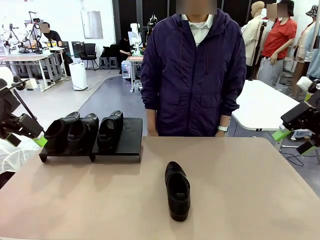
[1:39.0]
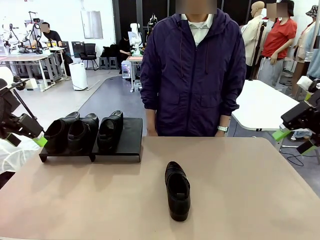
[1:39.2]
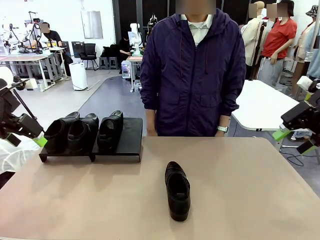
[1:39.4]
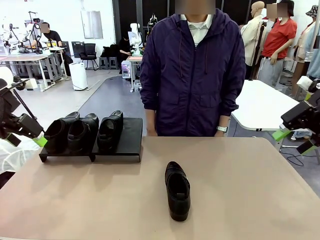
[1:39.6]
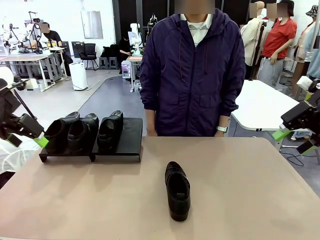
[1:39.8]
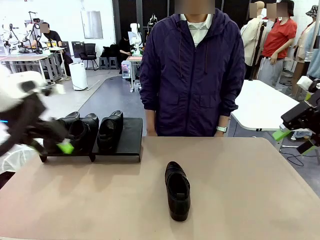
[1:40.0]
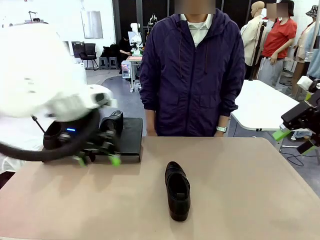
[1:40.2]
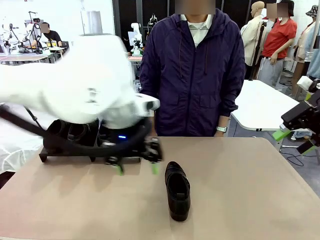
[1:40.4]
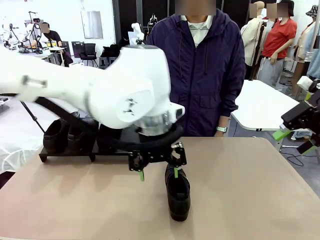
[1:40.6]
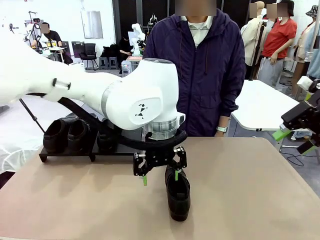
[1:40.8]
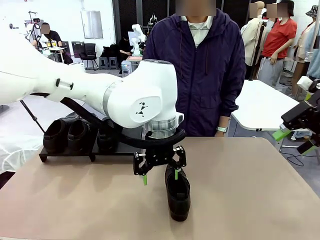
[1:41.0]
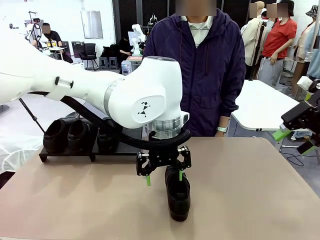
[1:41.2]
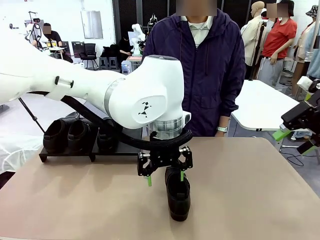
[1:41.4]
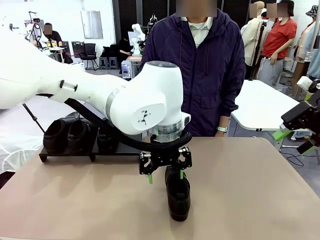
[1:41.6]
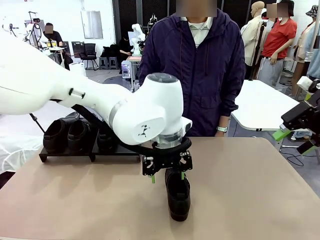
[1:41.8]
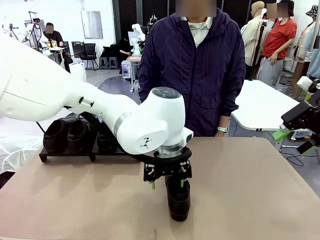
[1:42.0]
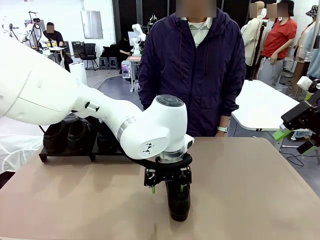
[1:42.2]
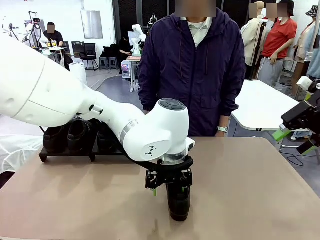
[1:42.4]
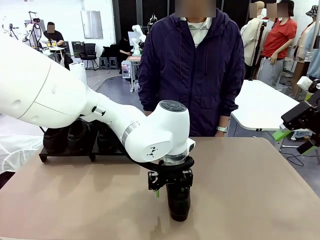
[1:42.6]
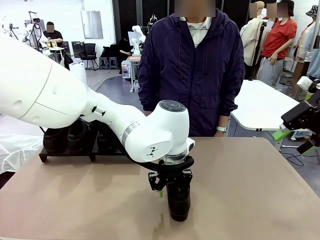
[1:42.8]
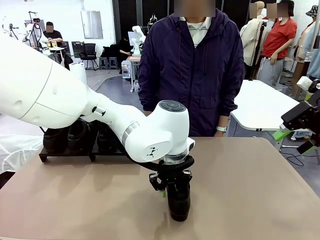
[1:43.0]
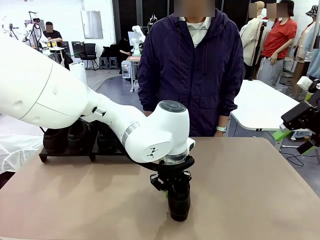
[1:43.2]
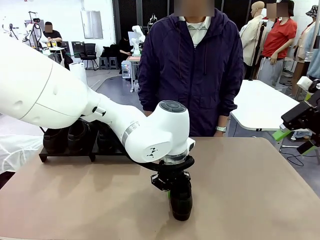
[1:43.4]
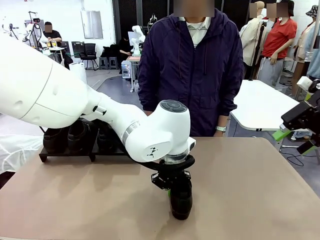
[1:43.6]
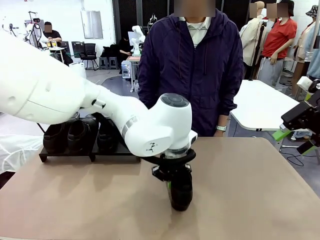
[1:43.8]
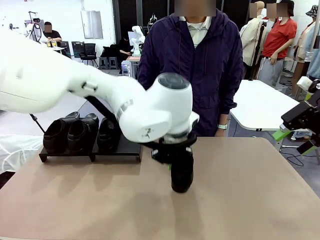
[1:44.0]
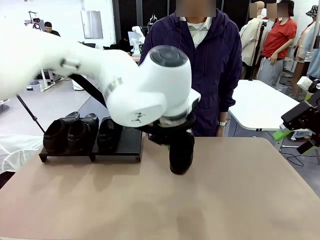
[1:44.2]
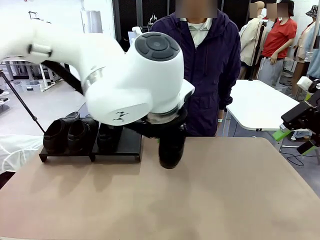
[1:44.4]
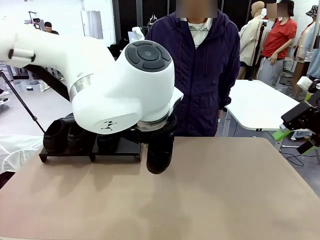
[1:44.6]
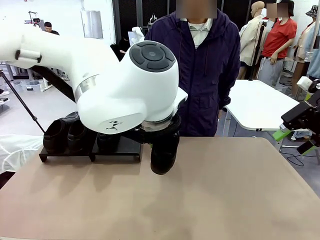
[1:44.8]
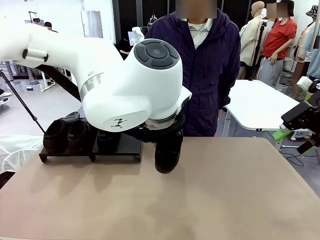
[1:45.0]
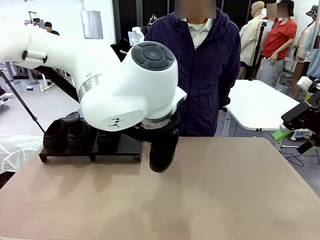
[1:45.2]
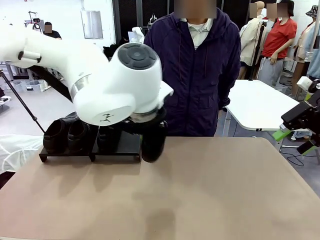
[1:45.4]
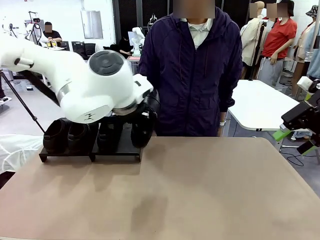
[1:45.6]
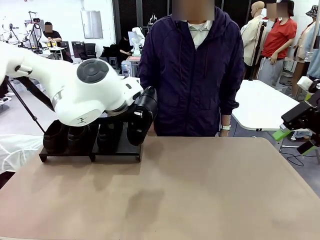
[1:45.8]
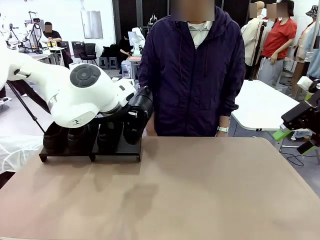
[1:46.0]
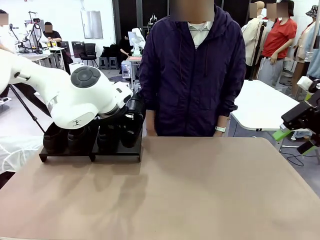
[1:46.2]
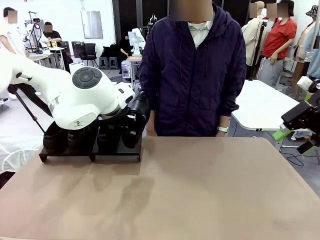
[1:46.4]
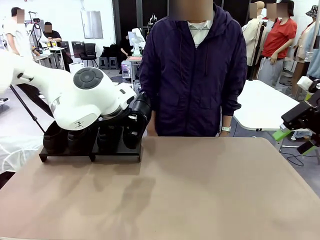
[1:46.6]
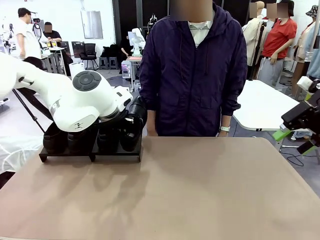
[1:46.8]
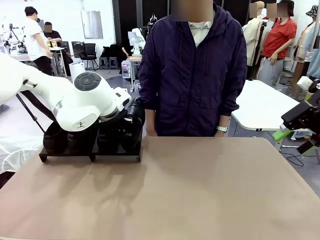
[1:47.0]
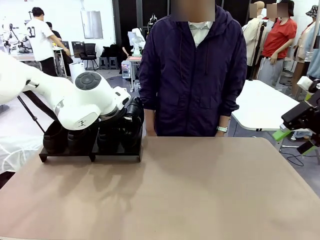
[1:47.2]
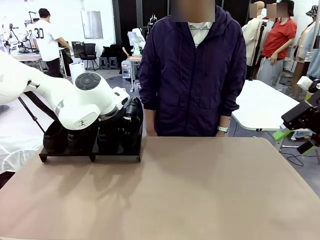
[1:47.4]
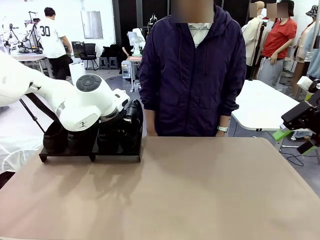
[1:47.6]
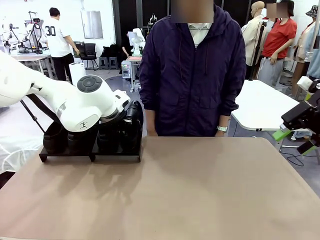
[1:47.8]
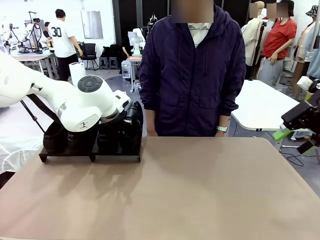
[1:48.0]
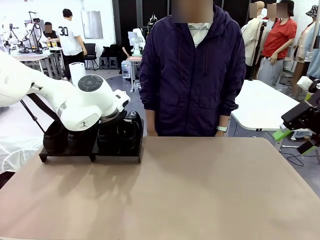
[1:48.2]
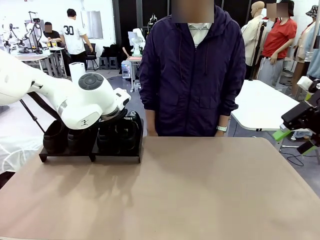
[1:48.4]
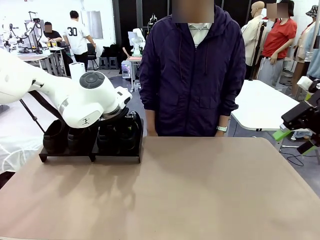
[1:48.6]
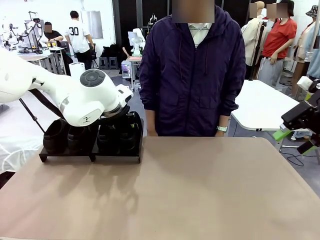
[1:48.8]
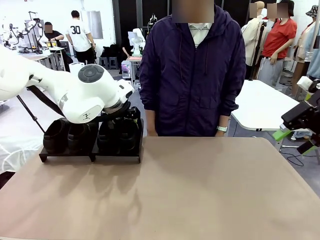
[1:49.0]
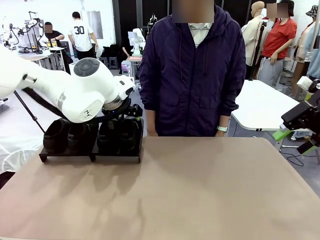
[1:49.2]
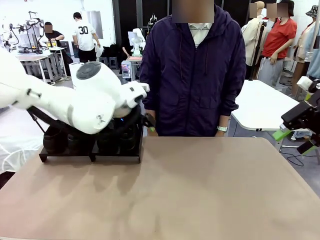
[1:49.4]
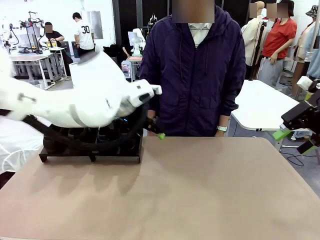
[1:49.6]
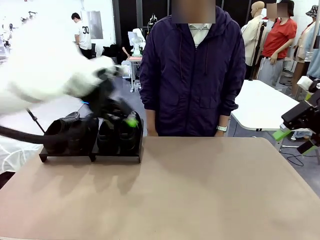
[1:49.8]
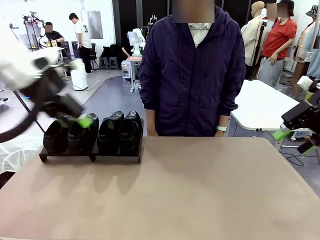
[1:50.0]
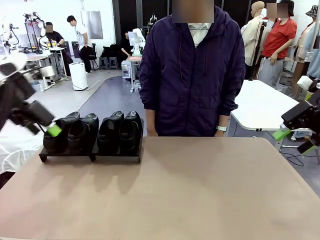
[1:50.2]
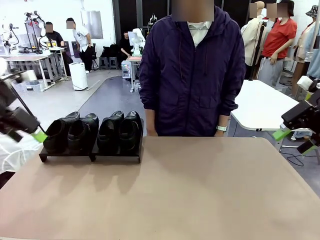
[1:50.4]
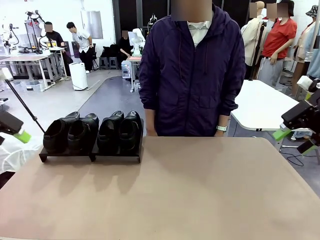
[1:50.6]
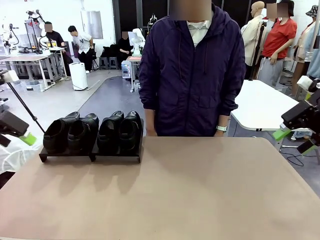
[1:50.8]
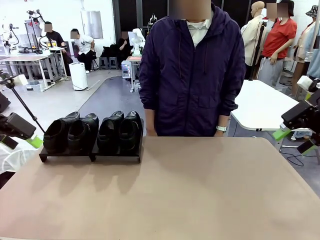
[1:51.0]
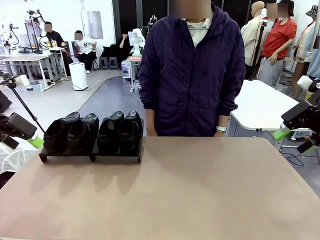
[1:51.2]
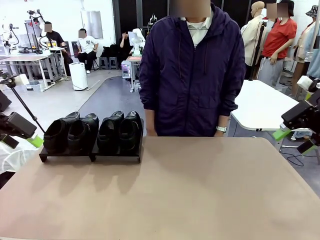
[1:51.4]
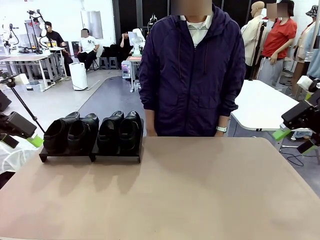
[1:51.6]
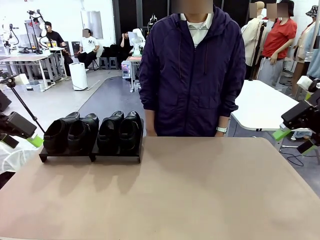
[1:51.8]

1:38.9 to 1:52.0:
Task: Organize the shoes by placing them on the stand.
Robot: Place the Shoe from the middle of the table onto the Shoes Stand.

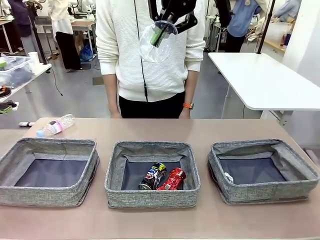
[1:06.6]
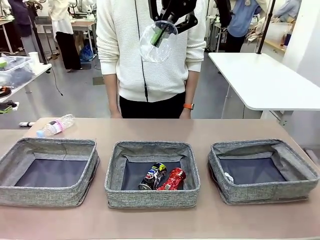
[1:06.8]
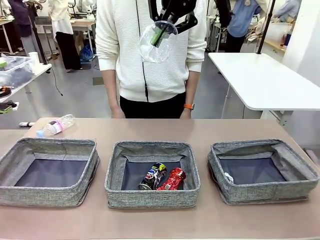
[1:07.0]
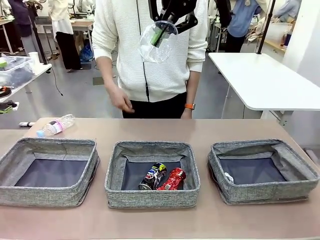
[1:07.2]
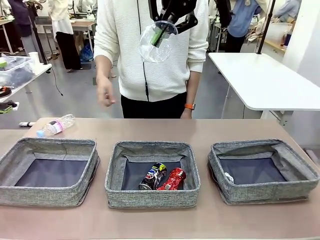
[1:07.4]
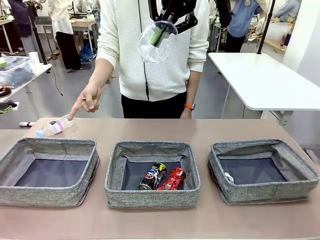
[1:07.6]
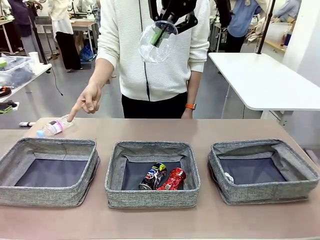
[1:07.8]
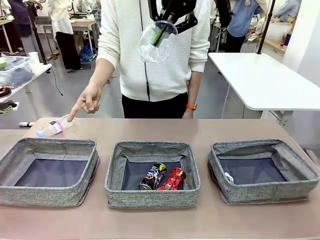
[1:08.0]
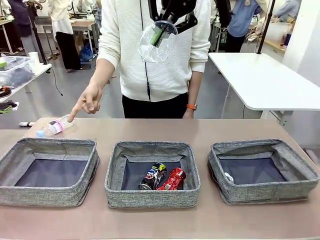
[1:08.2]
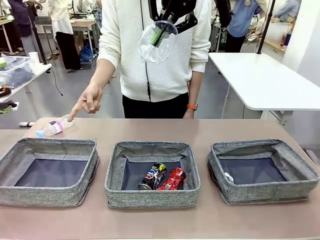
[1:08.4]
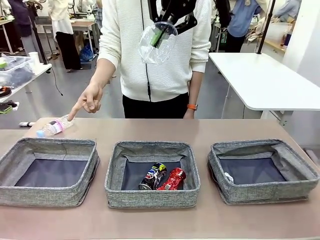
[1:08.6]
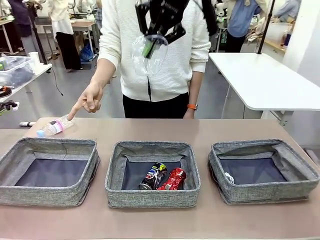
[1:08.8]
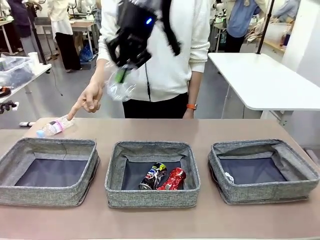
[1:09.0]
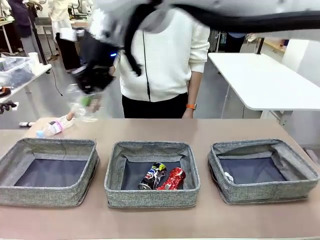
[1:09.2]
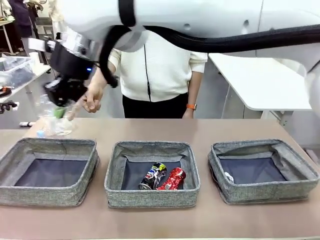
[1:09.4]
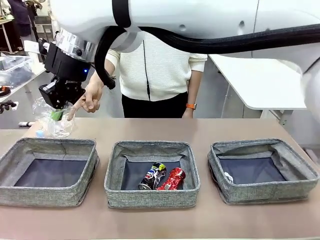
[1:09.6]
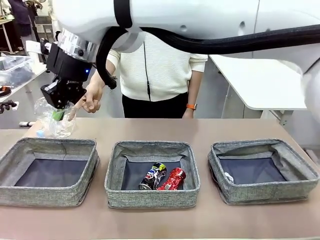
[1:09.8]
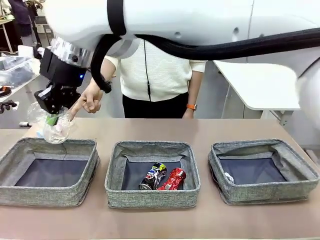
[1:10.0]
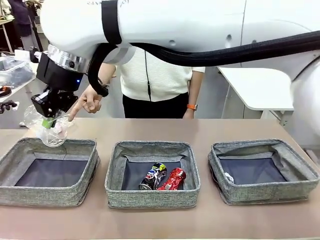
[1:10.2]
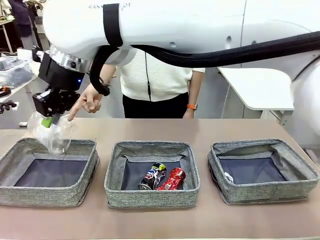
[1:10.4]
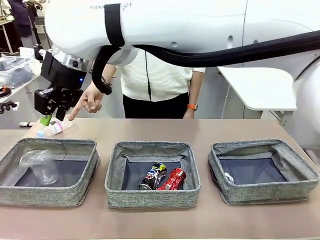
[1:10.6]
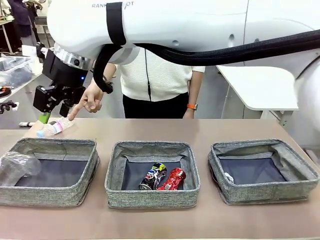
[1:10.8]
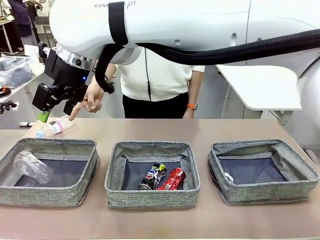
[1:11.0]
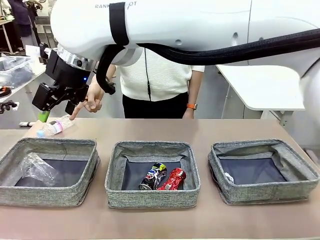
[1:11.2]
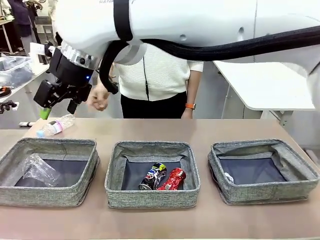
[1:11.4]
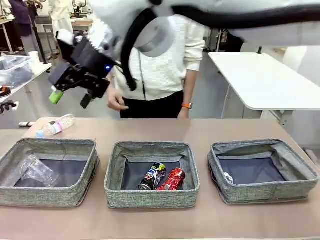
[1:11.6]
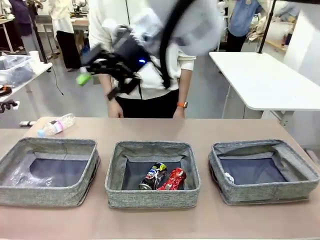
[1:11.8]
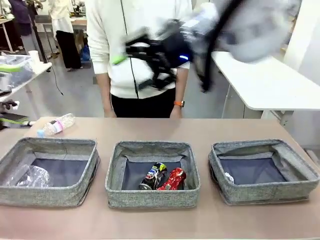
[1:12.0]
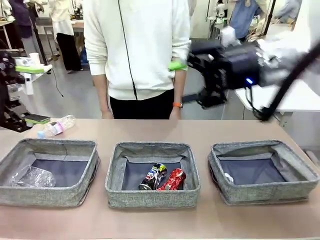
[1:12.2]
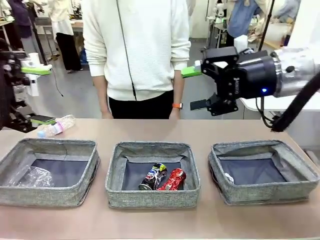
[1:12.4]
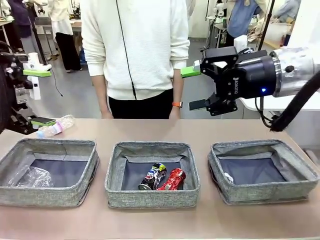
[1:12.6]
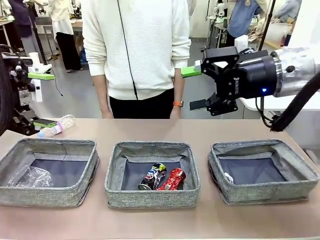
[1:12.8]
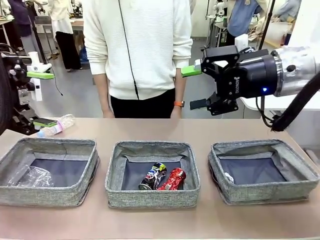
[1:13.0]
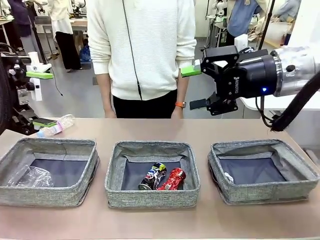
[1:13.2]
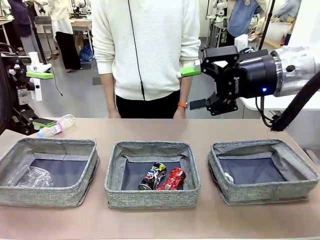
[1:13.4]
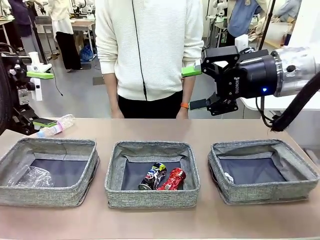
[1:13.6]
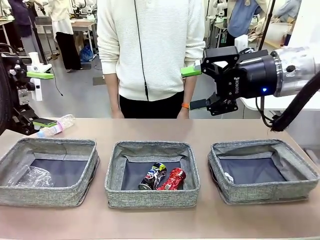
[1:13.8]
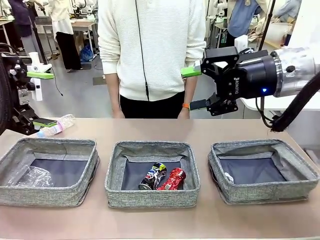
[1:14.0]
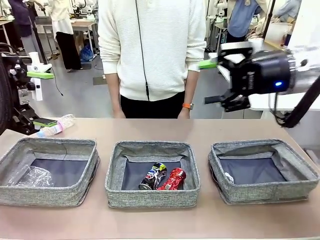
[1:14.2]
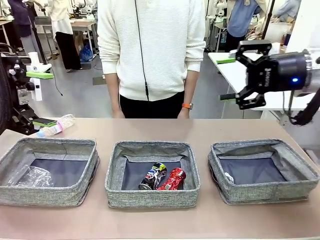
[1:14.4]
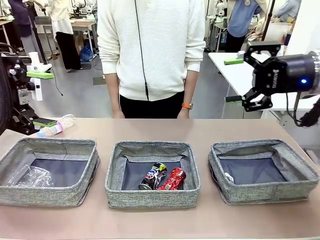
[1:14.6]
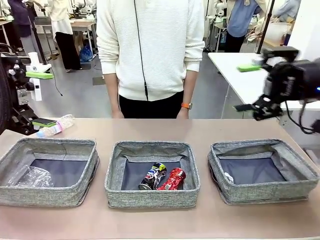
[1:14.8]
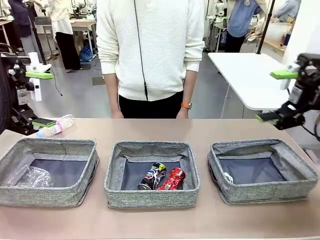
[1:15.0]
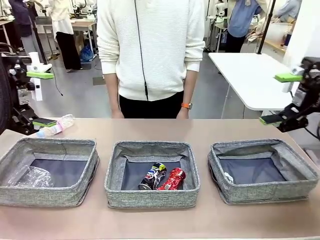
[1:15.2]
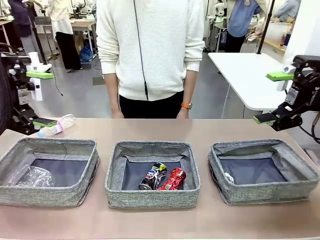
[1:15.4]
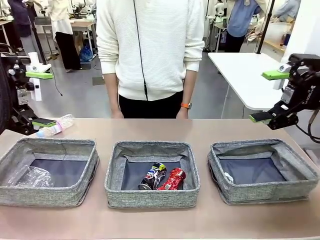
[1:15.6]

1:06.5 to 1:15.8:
Task: Sort the waste into the appropriate baskets.
Robot: Place the picked waste into the Fabric basket indicated by the person.
Person: Instructs the robot to place the picked-up trash into the appropriate organizing basket.
